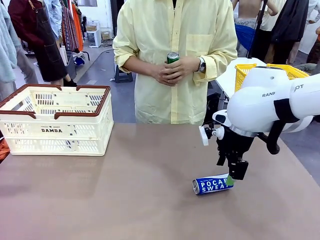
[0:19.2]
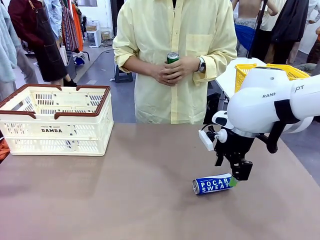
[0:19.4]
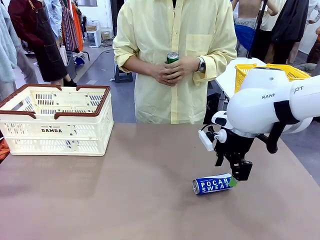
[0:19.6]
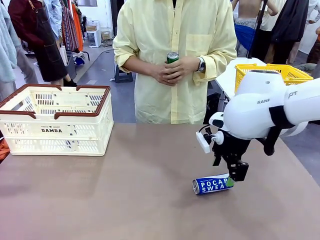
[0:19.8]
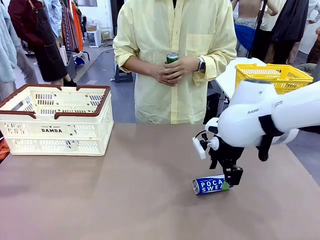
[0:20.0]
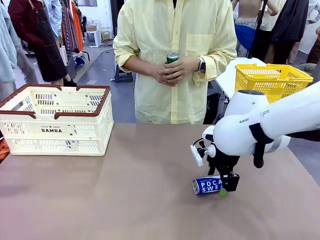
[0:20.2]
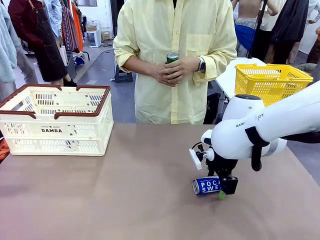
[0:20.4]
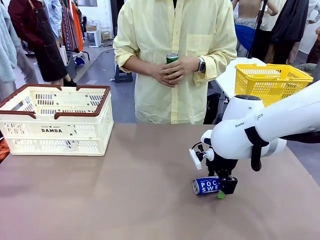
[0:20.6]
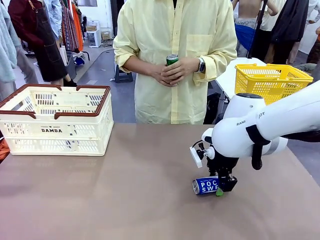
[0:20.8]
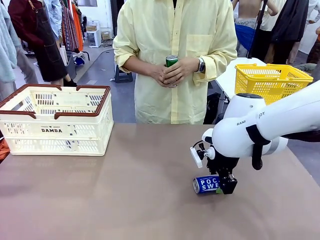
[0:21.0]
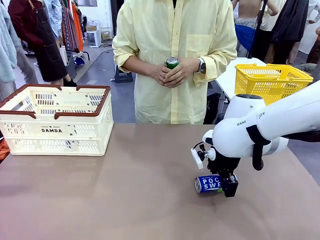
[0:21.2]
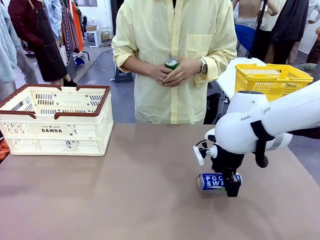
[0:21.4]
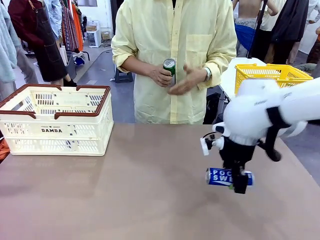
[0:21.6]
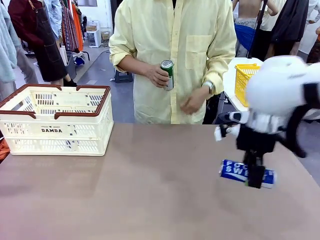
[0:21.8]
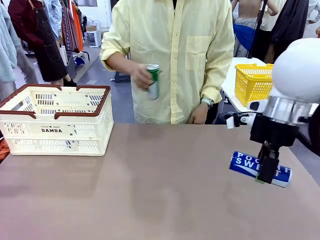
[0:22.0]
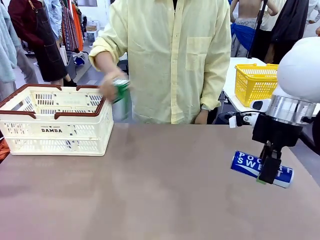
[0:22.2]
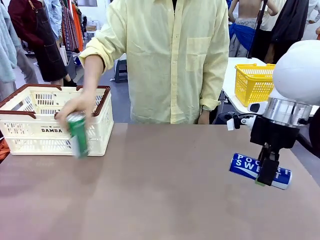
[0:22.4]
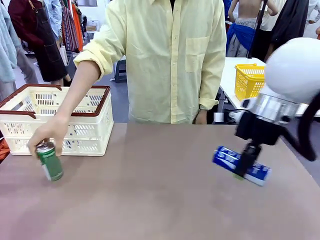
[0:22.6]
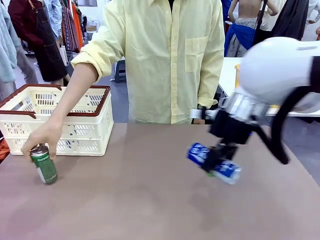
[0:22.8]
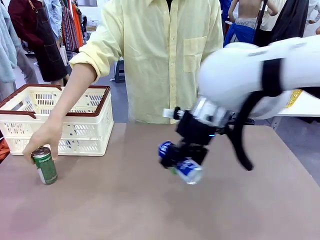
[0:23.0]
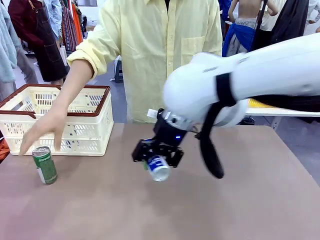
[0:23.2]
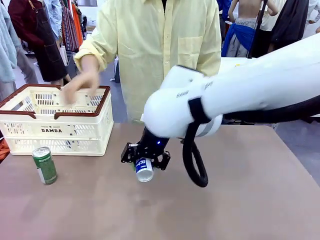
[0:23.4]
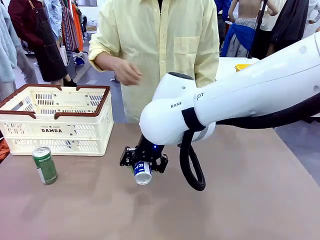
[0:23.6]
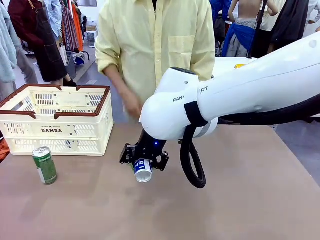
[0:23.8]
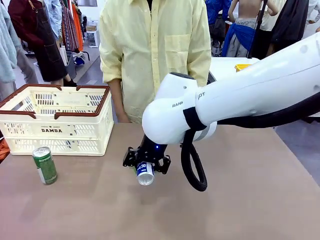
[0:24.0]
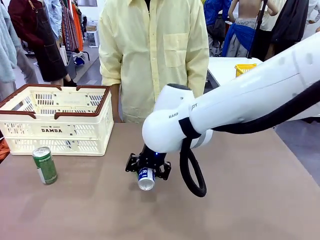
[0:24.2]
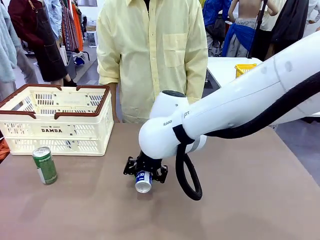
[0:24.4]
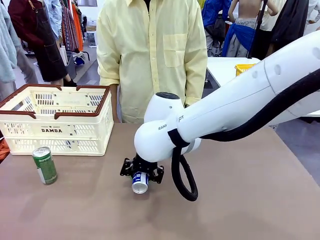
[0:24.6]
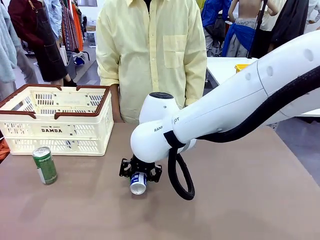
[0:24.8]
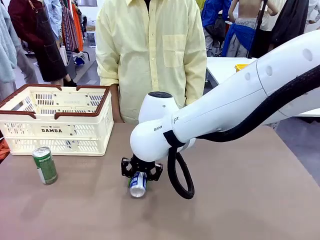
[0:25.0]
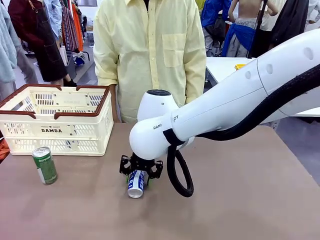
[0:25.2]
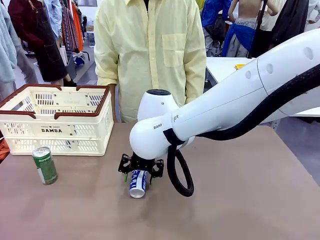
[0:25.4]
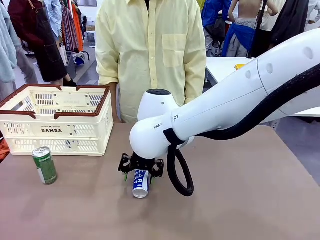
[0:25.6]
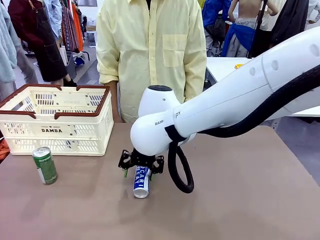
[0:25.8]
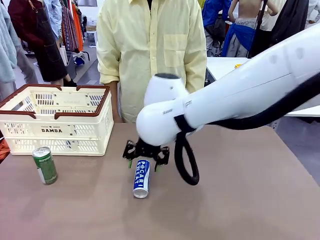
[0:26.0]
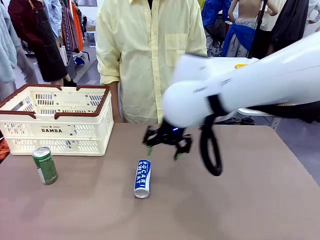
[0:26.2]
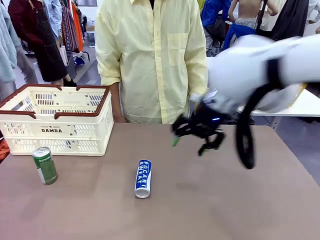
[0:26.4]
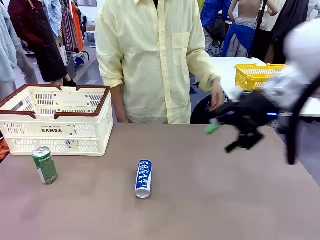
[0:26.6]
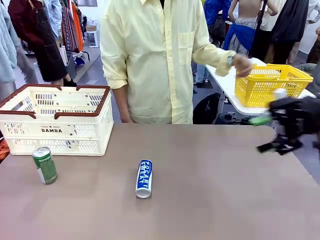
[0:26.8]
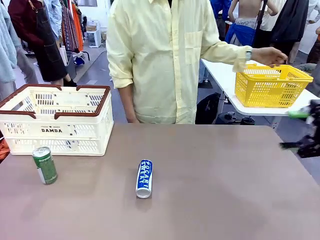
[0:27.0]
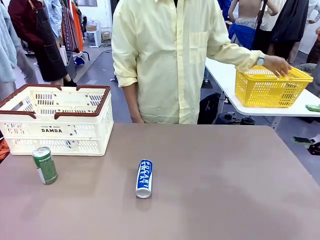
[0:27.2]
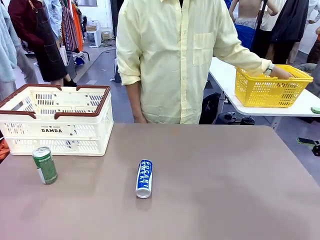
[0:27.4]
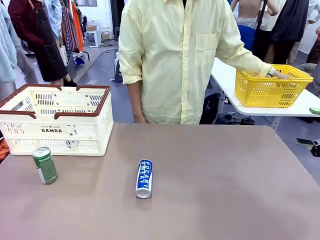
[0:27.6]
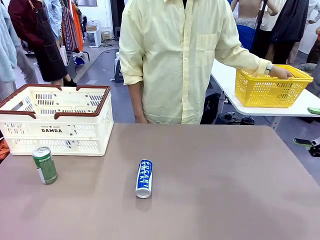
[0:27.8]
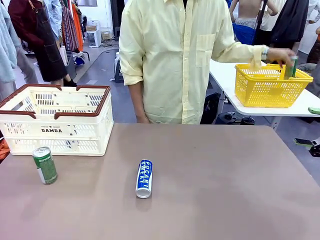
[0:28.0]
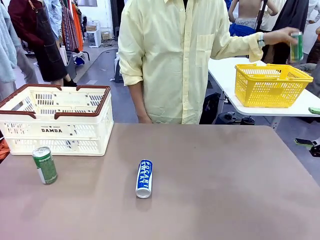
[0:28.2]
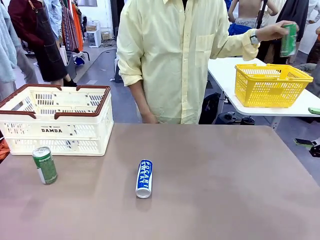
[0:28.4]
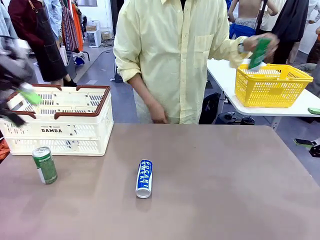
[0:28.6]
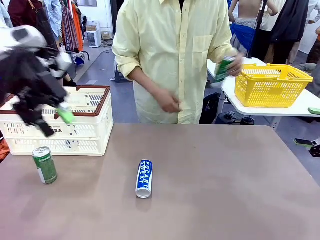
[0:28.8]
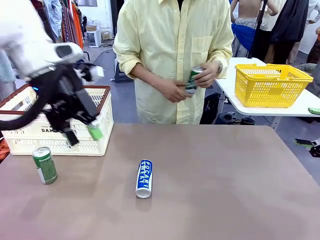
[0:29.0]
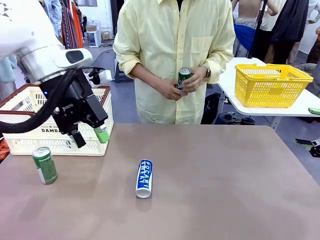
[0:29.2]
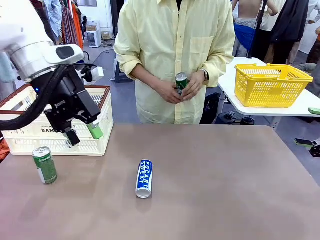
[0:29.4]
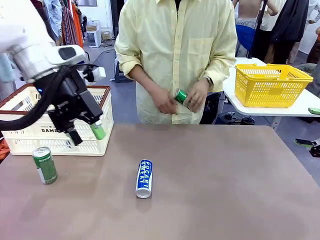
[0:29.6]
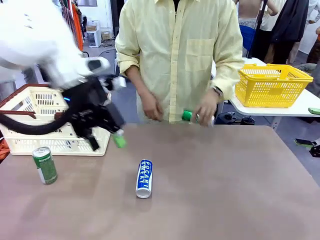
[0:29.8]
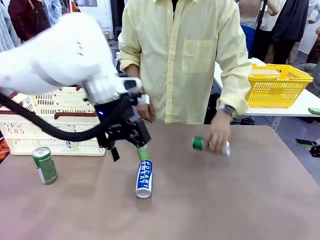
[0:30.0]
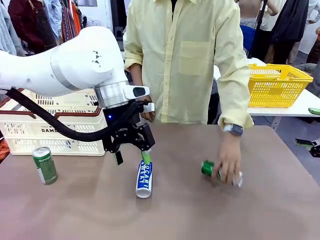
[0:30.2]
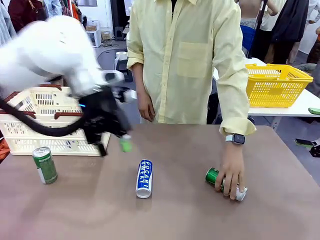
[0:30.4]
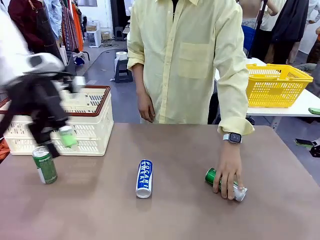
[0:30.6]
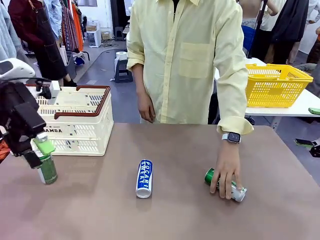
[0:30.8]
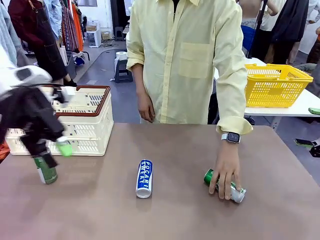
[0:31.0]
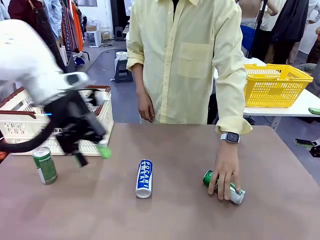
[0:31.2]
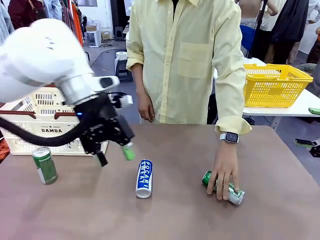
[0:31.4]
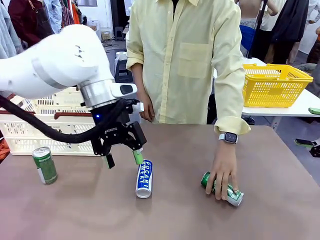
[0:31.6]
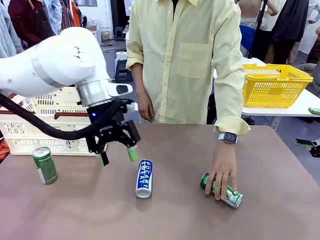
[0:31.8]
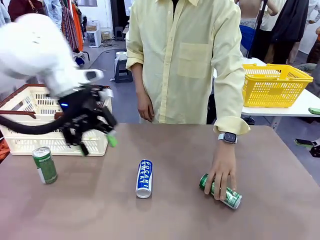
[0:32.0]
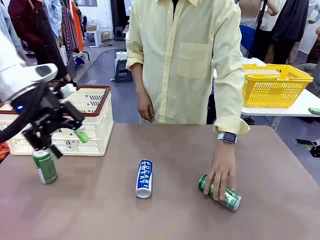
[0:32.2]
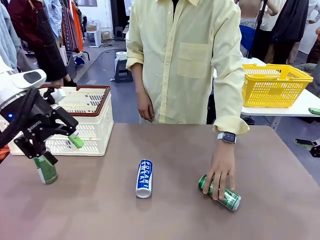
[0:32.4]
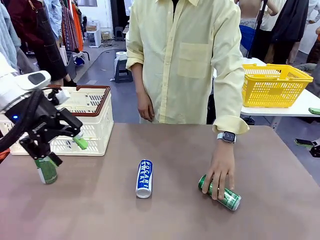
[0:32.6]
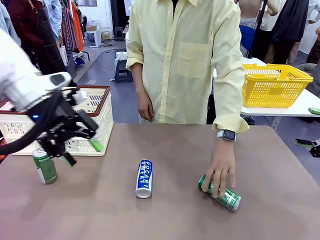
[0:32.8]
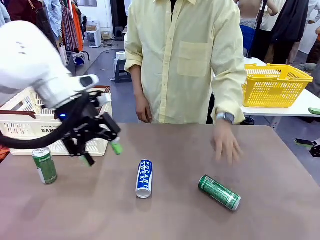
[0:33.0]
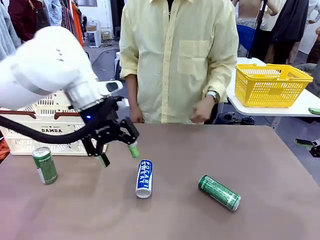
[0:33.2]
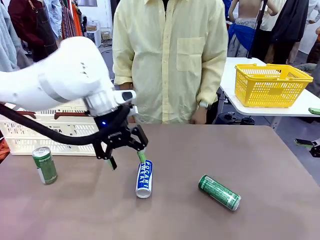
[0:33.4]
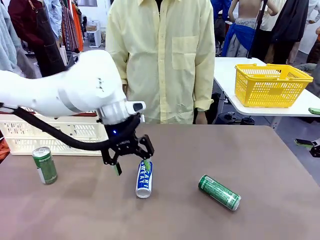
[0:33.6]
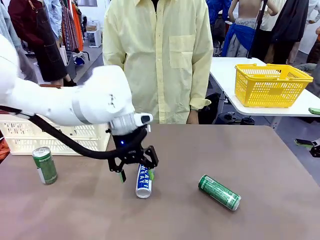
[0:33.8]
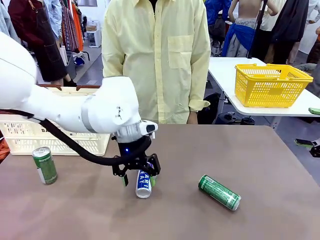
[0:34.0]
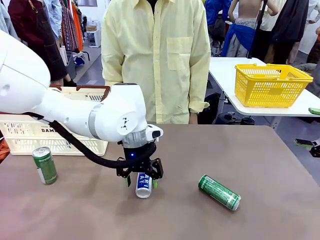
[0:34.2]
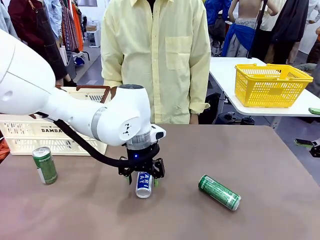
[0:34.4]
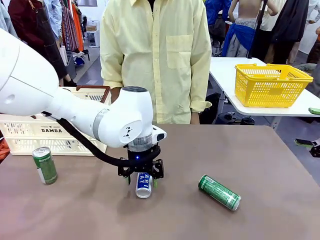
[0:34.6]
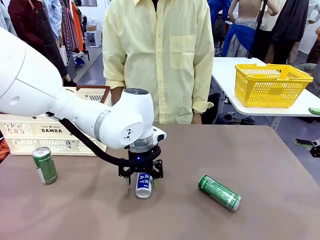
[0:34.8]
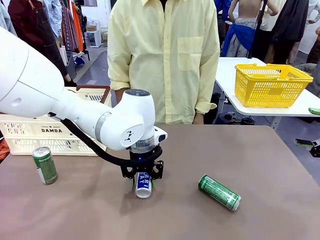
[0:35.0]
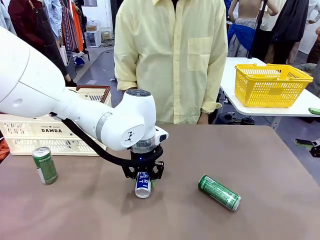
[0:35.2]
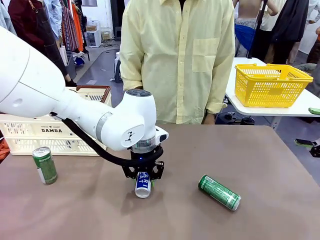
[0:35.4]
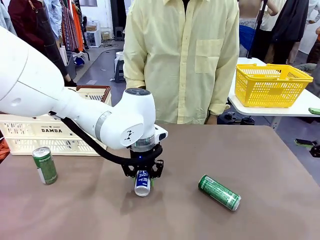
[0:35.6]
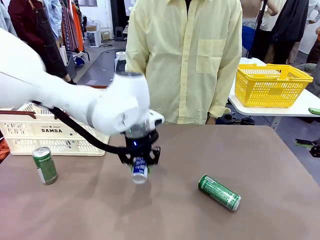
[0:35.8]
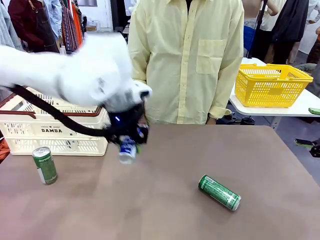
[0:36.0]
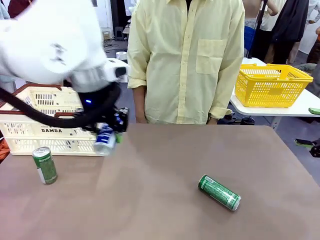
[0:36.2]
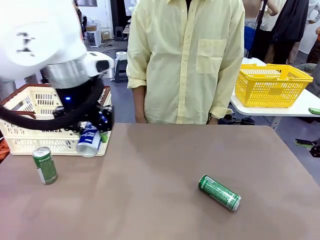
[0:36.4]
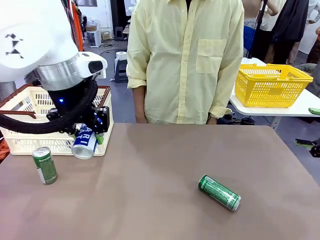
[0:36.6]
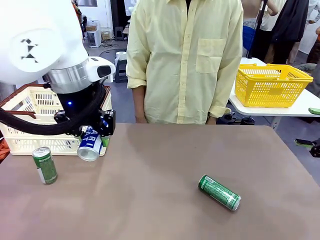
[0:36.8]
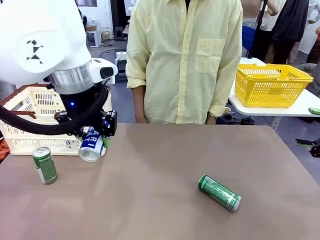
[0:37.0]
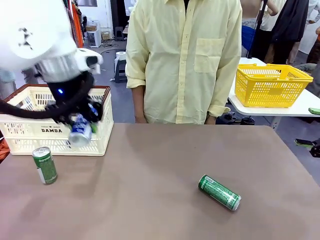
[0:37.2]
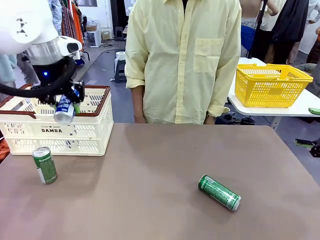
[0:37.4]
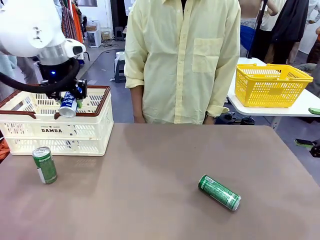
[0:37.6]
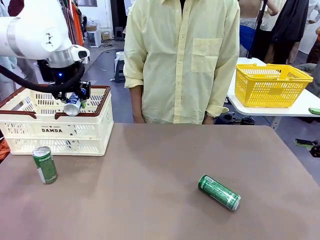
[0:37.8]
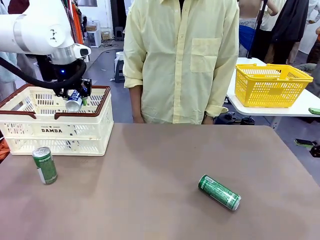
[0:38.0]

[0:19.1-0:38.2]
Task: Place the drinks into the Shopping basket.
Robot: Pick up one drink and place it into the Shopping basket.
